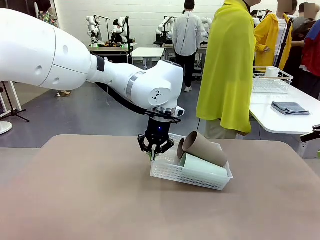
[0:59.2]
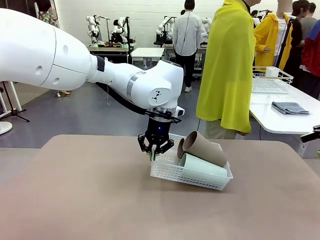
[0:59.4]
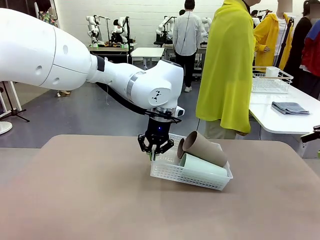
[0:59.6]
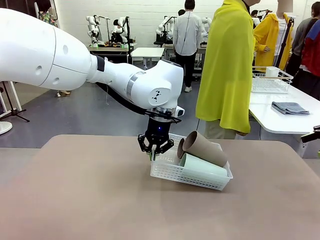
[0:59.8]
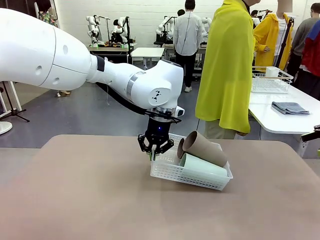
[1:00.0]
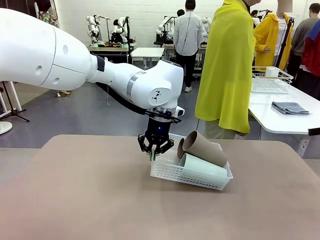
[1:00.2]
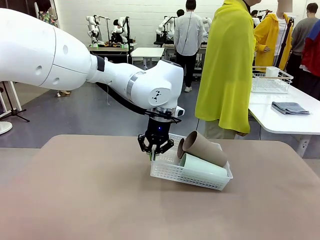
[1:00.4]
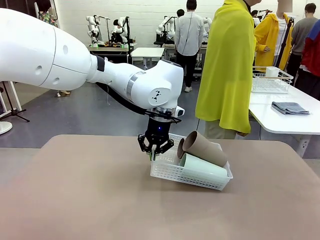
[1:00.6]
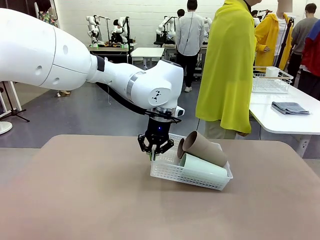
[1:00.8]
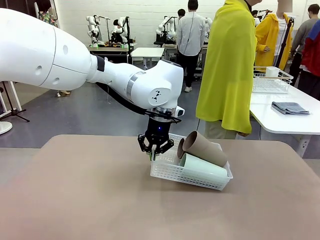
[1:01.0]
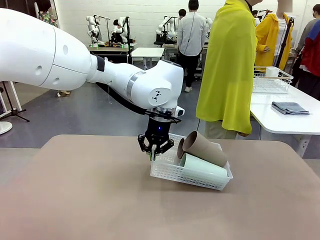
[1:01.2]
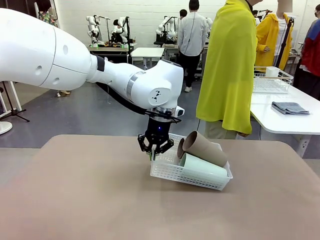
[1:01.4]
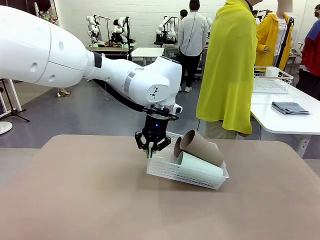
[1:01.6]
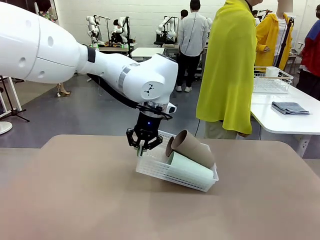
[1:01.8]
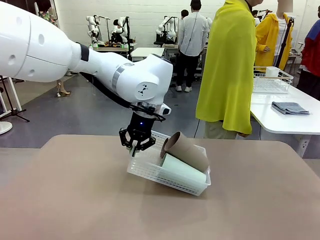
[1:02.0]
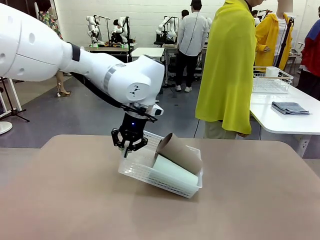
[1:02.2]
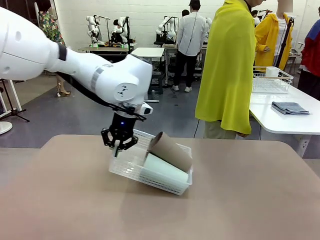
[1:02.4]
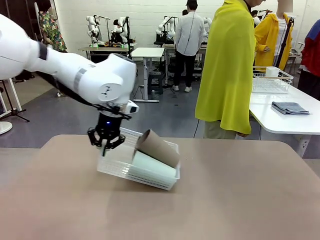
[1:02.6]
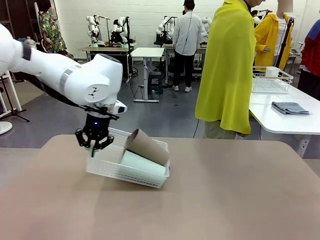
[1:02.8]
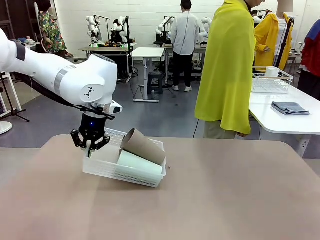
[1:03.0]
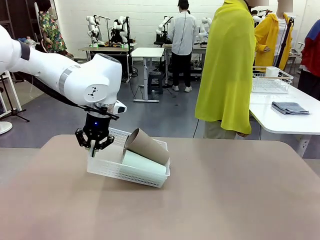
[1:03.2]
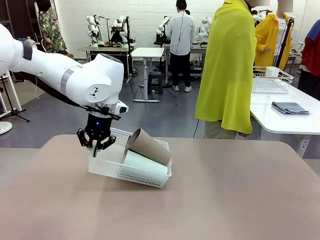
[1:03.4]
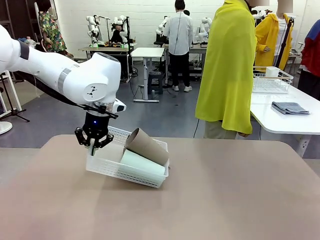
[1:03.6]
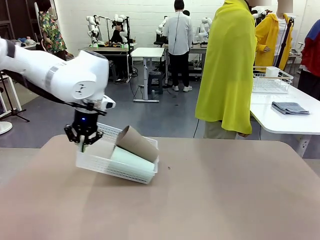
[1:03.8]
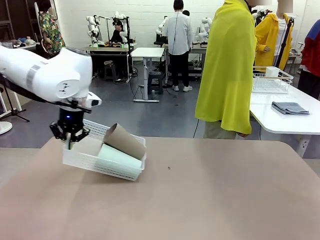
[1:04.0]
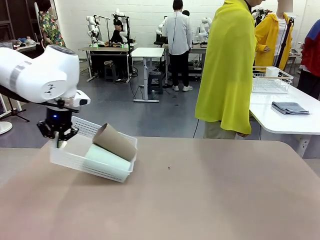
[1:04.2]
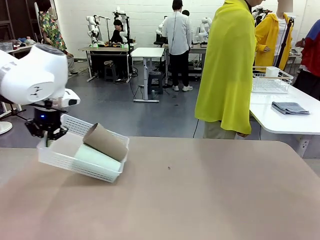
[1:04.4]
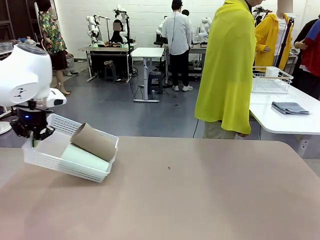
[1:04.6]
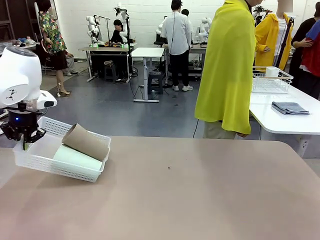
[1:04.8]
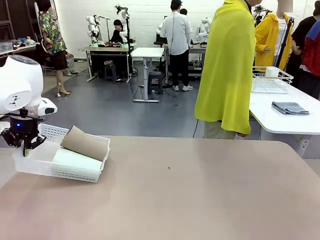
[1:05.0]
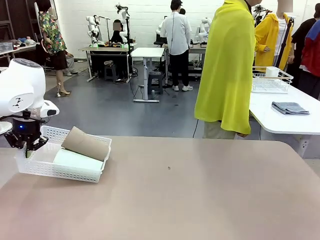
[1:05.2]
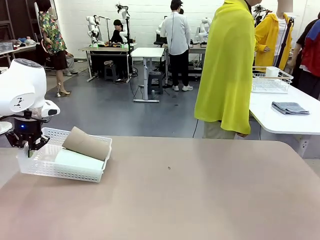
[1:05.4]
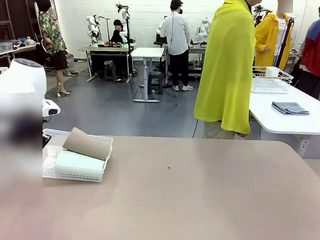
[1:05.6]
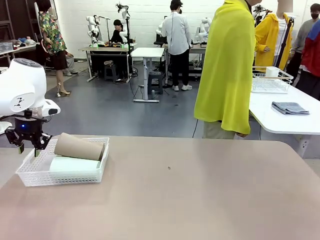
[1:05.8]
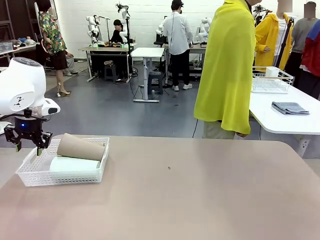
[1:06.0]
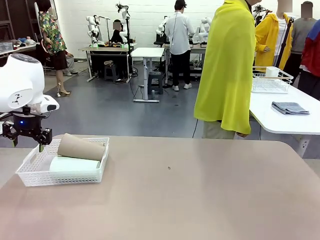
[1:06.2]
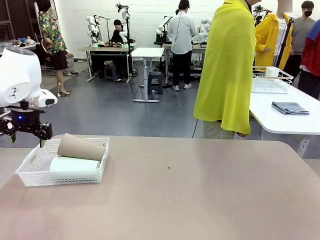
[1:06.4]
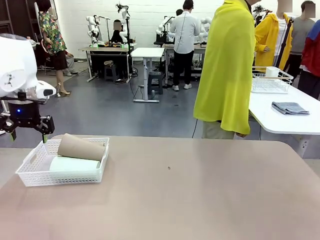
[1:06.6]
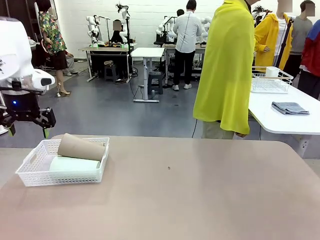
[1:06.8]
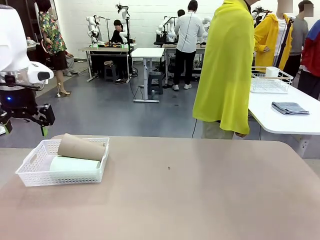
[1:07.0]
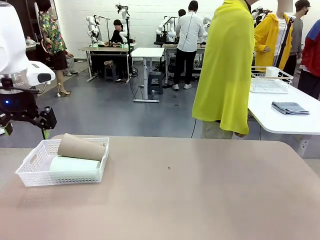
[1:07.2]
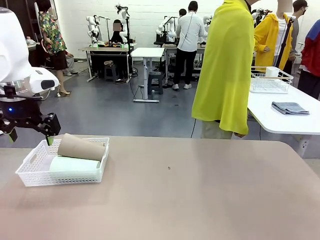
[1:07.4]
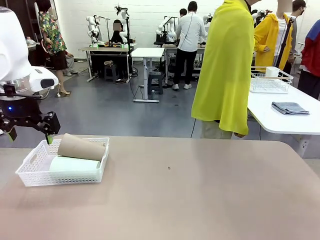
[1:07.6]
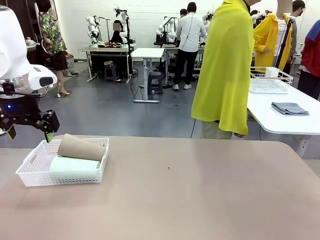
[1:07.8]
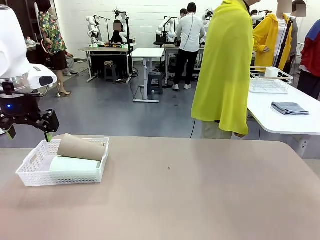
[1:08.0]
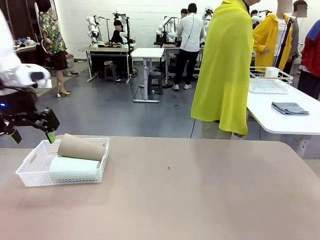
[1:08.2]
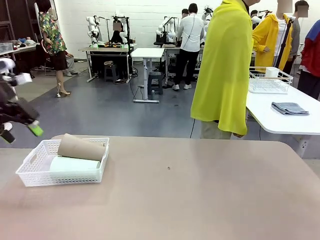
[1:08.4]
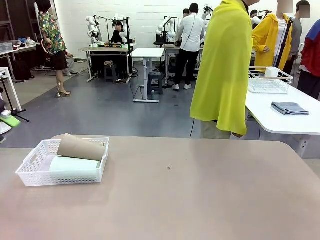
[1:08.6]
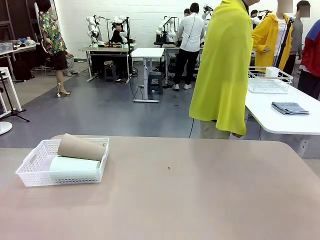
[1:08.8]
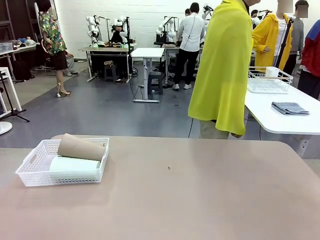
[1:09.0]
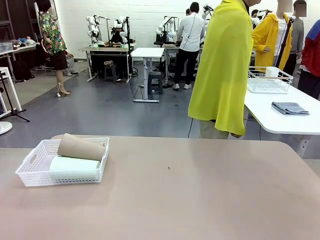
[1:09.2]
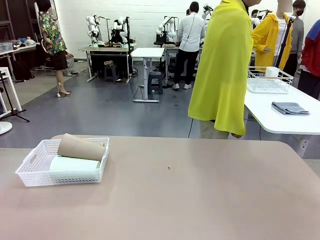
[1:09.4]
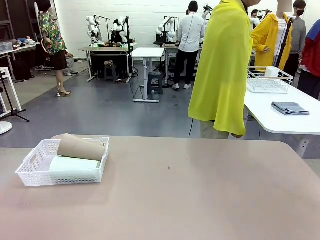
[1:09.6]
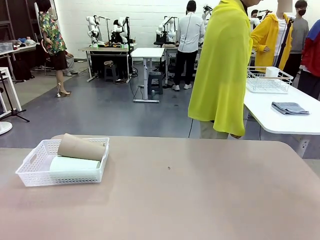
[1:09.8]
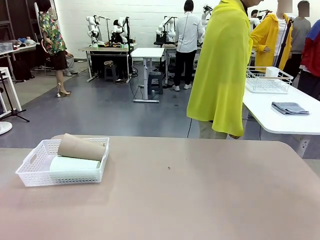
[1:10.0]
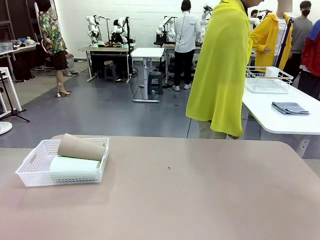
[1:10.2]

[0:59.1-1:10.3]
Task: Clean and organize the cups into the basket.
Robot: Move the Organizing basket back to the left side of the table.
Person: Folds the towel in half twice and places it in the right of the table.

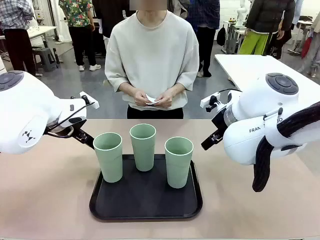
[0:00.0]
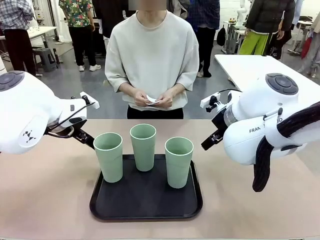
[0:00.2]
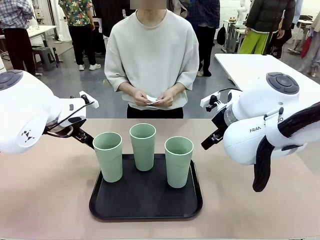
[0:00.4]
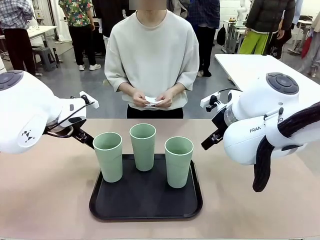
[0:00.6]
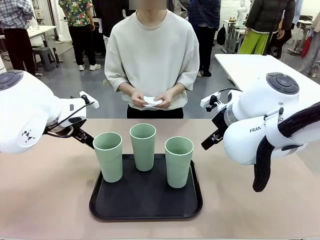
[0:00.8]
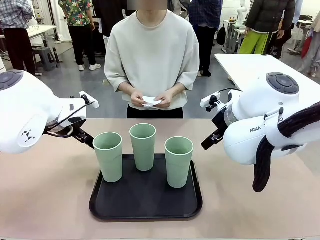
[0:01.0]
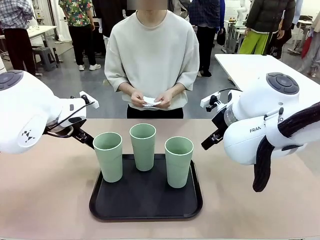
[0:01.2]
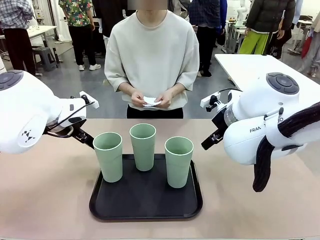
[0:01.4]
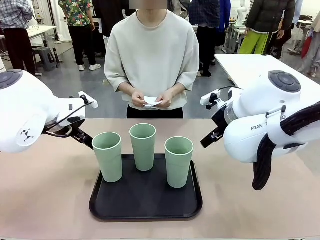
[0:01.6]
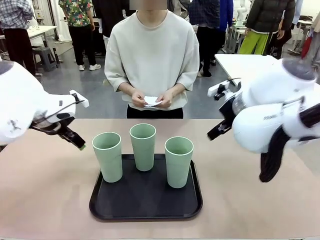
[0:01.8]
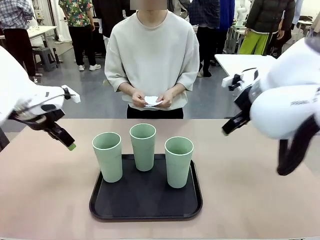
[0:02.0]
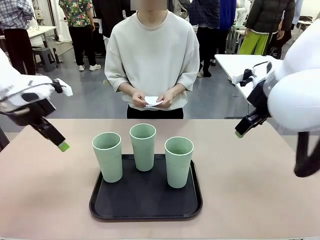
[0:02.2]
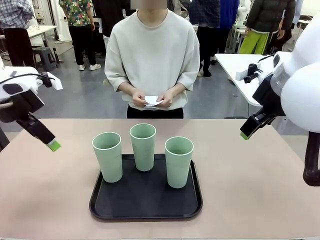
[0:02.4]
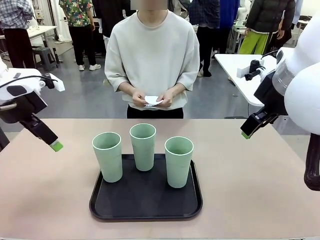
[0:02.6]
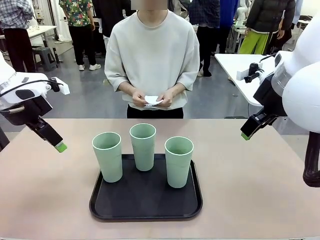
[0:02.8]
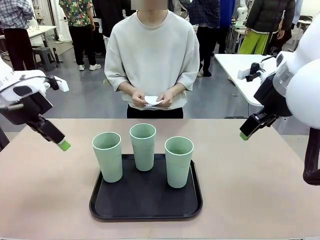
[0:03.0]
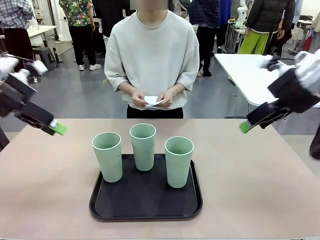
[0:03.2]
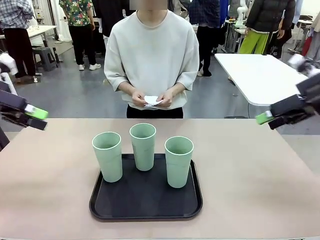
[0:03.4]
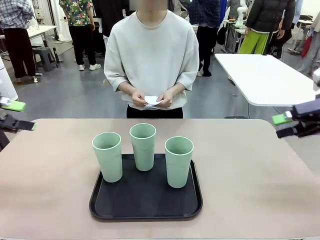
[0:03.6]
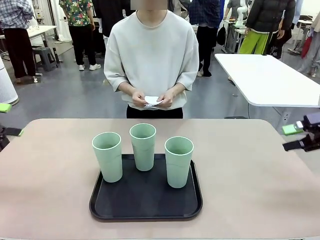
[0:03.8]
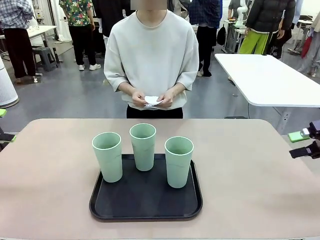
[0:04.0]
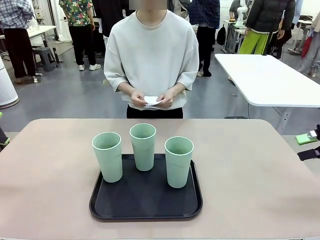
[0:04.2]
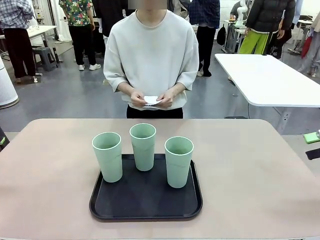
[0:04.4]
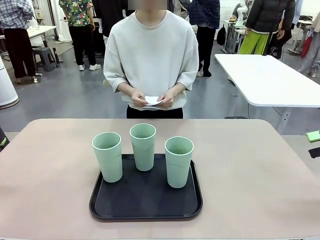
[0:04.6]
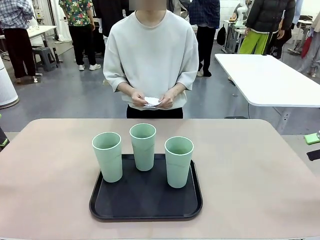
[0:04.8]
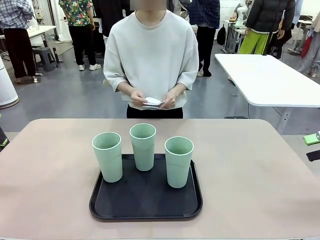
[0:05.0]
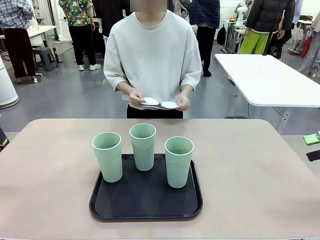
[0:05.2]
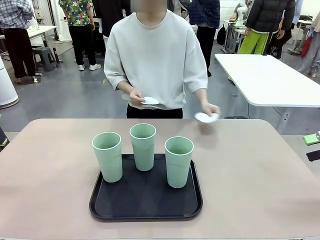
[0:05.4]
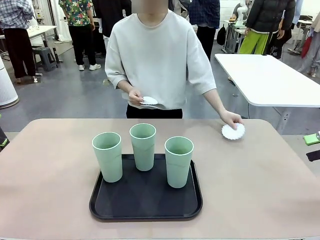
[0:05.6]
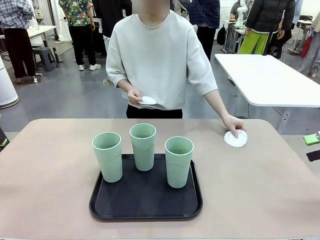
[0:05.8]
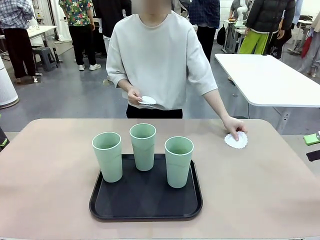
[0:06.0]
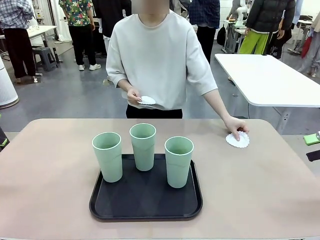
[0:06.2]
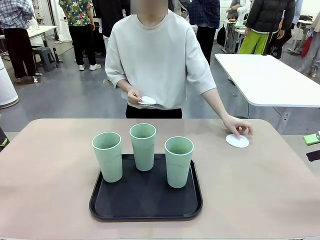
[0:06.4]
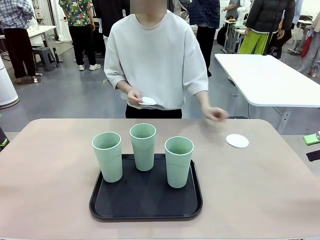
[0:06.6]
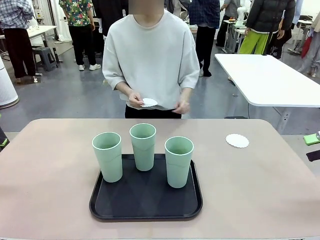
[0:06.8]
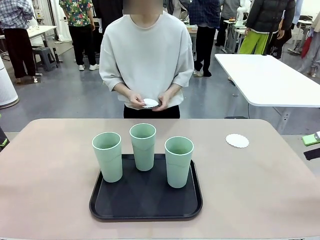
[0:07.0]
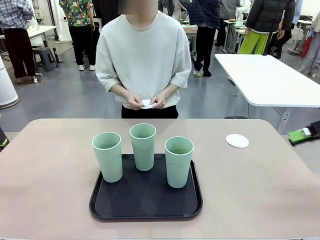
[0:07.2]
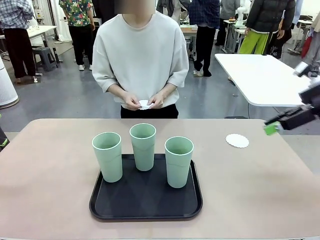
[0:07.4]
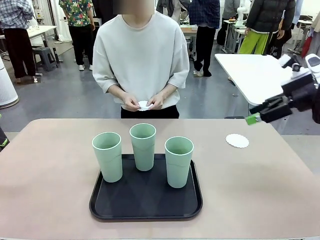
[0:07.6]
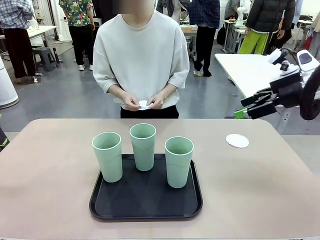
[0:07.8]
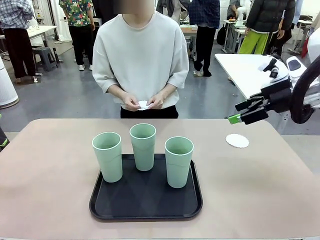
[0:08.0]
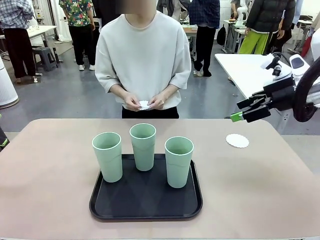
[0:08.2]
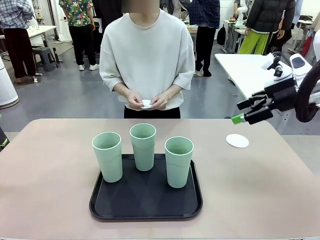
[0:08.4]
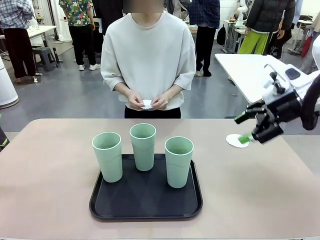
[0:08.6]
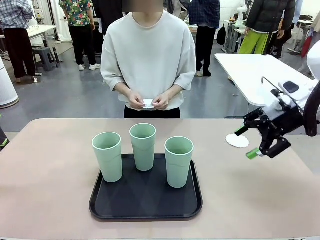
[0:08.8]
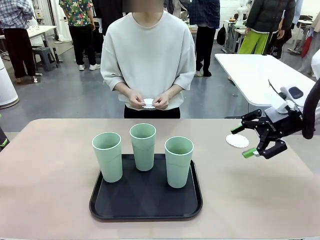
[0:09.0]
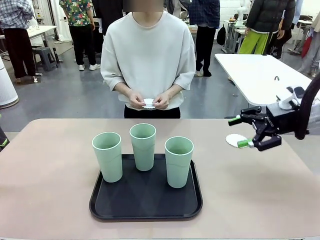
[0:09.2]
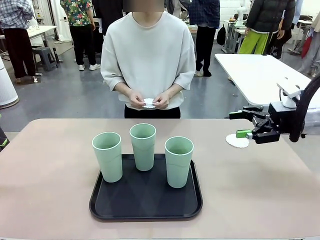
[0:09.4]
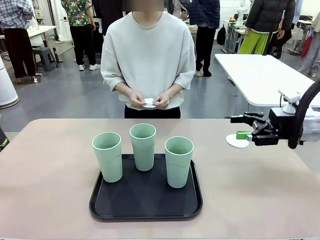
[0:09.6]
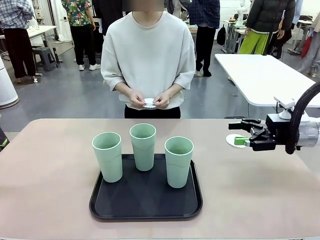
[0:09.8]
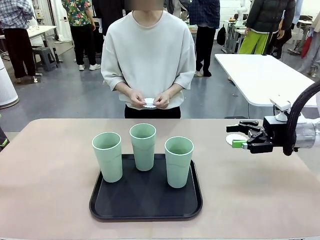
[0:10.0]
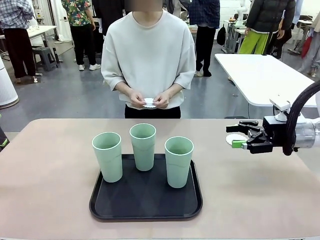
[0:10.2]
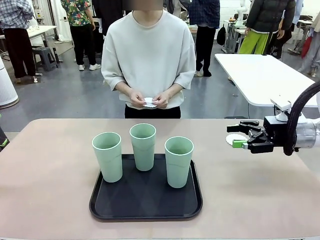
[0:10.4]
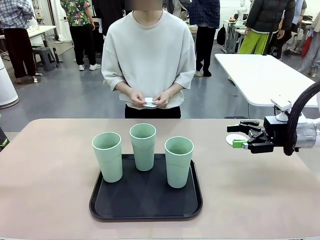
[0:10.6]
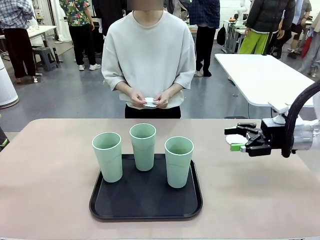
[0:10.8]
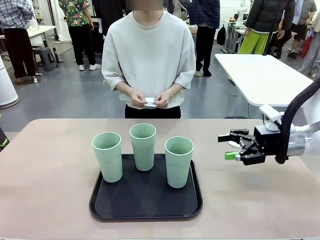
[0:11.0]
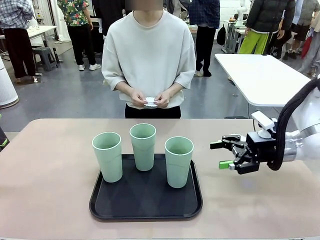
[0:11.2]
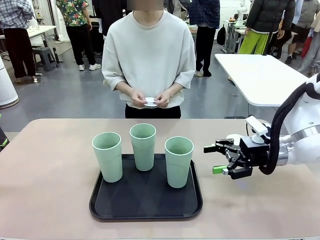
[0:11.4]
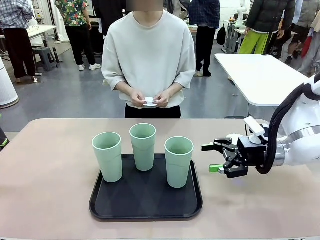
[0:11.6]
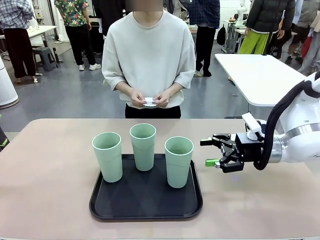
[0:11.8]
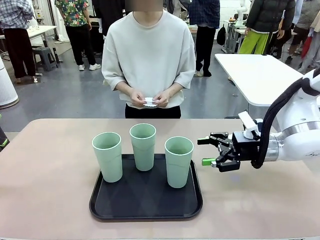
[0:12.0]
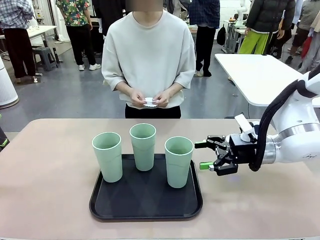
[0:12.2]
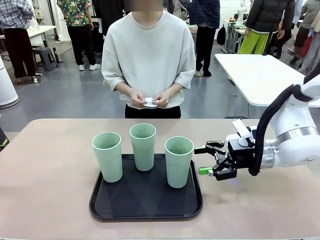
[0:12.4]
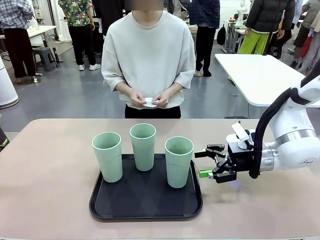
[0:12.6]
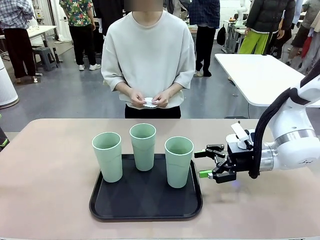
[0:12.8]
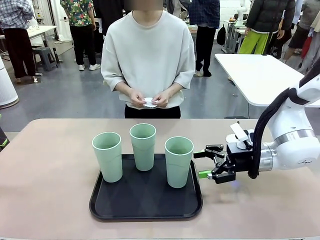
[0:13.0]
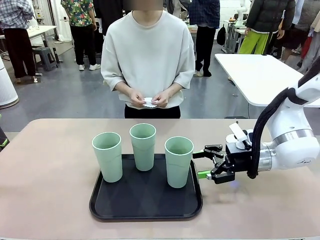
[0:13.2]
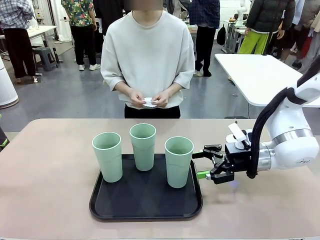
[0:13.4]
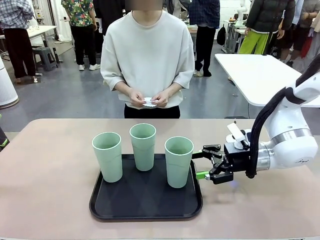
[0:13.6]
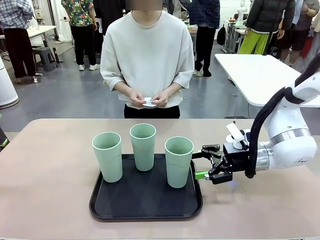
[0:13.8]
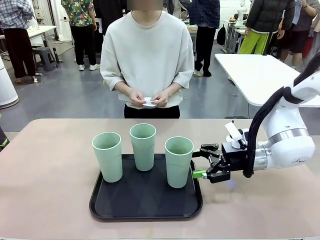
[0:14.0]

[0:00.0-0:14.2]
Task: Place coasters on the table and set cups on them.
Robot: Pick up one Reusable plastic cup and place it on a coaster set by the human.
Person: Place one coaster in any one of the three lower areas of the robot table (left, center, or right).
